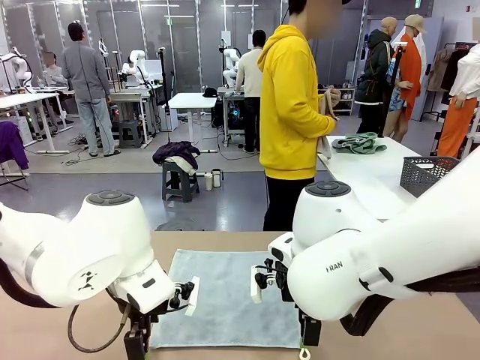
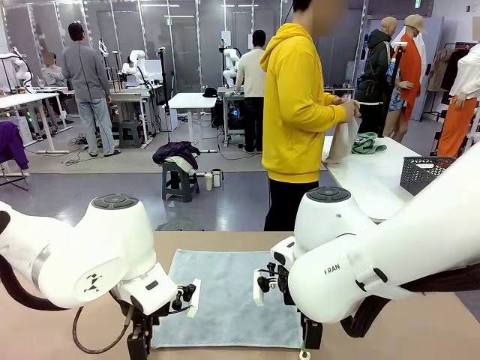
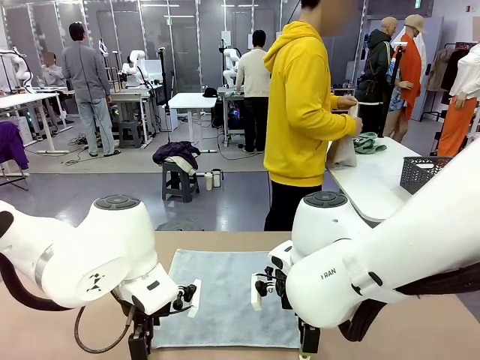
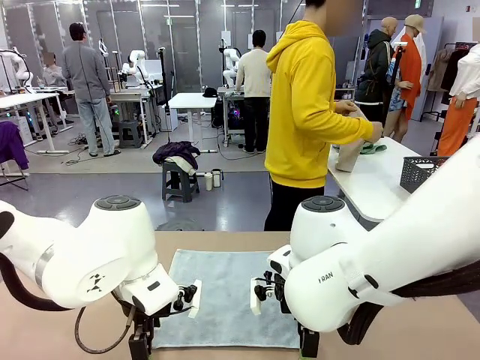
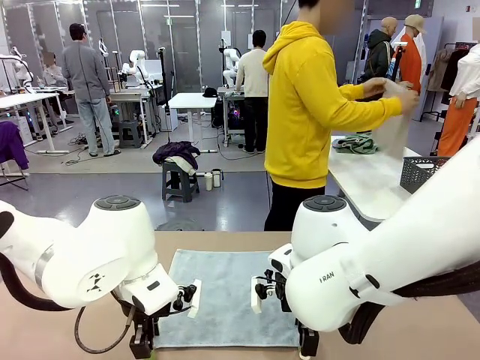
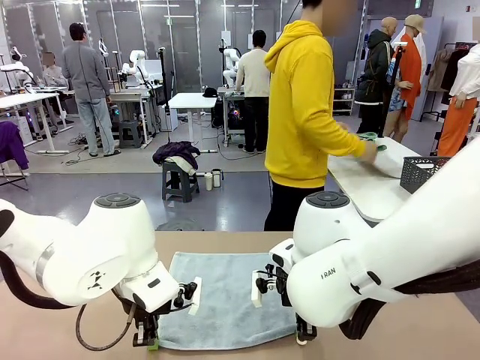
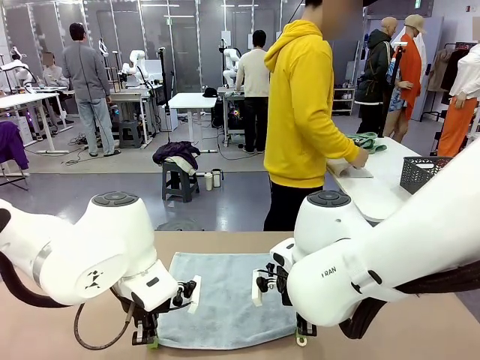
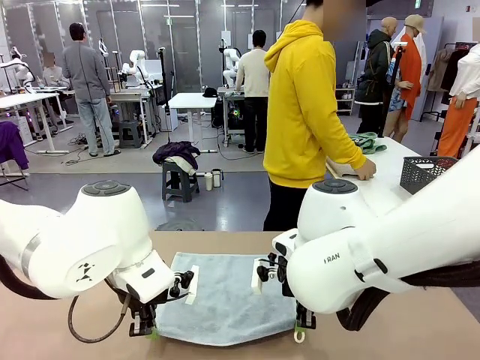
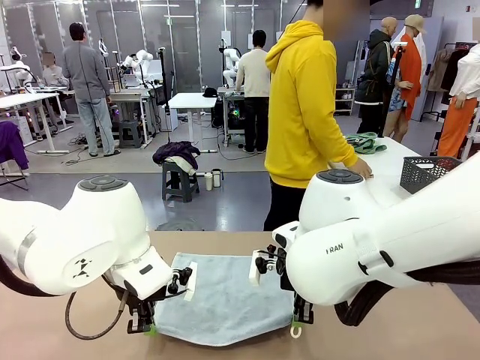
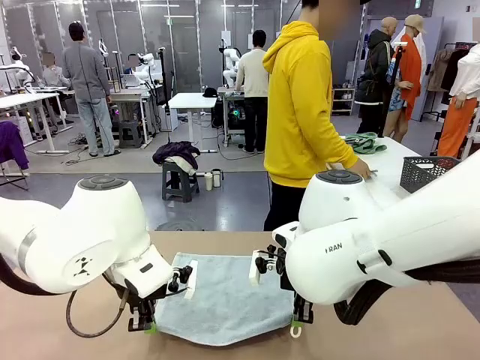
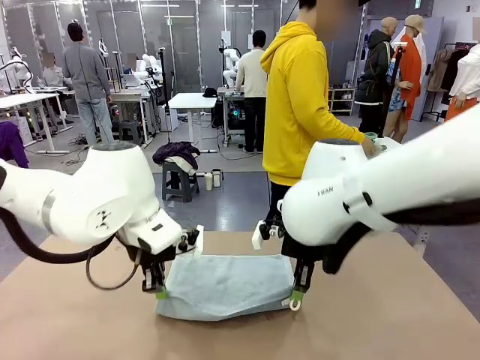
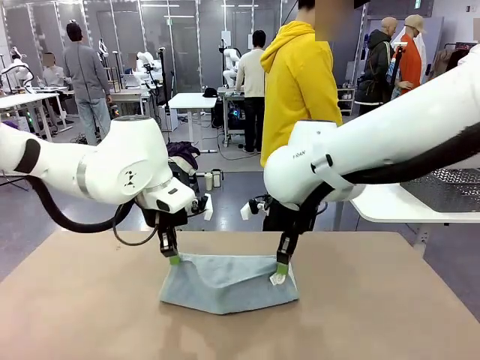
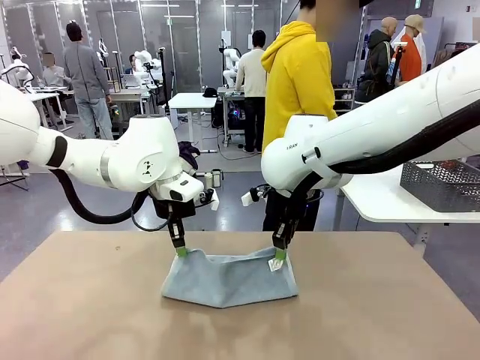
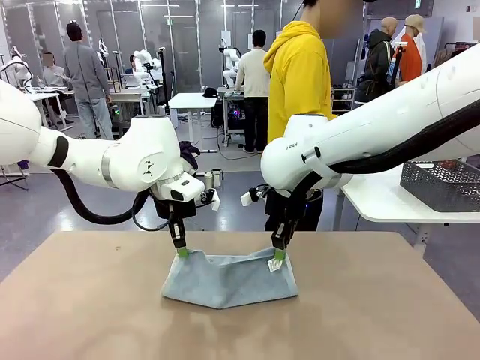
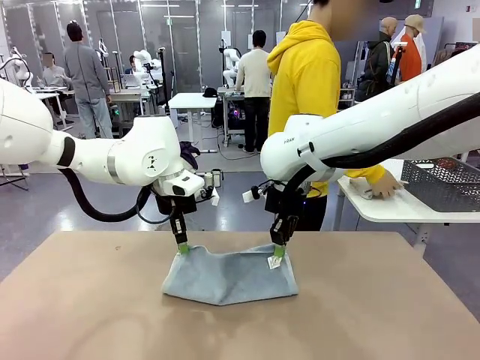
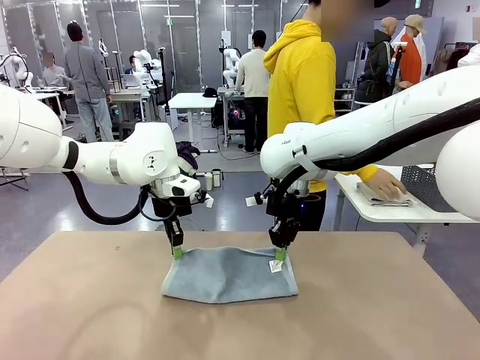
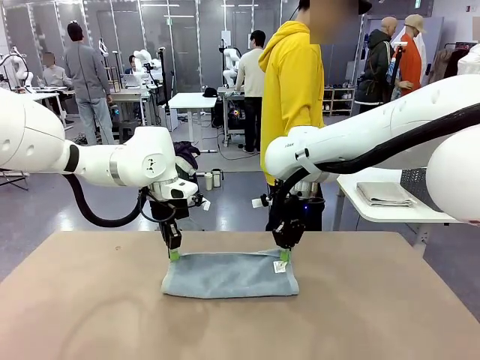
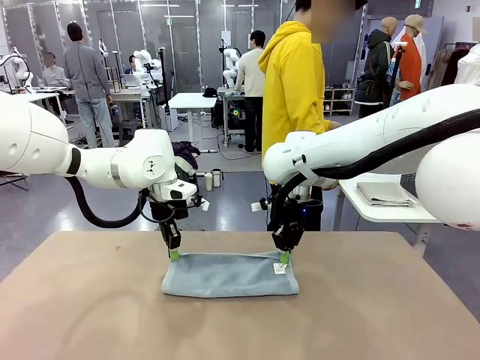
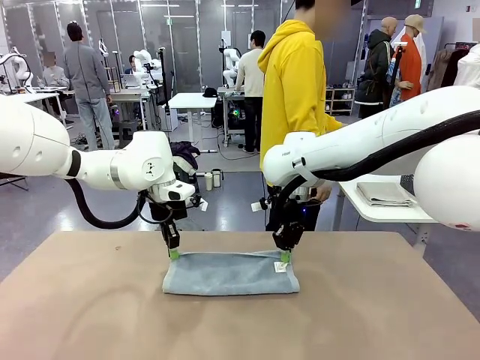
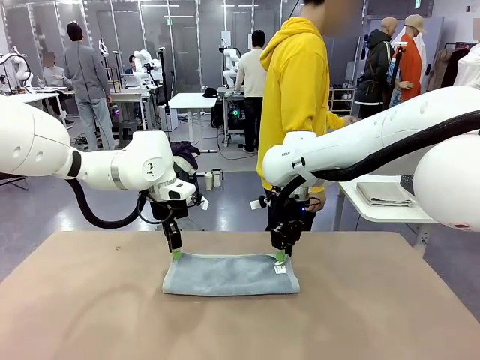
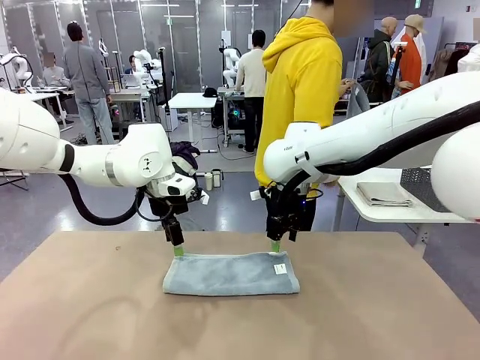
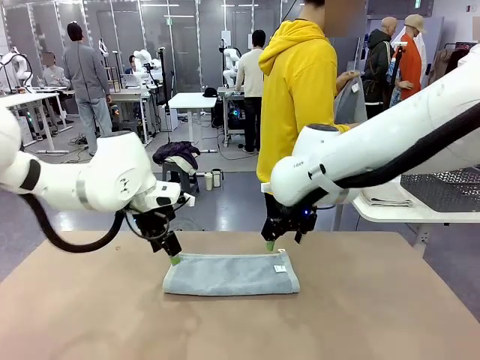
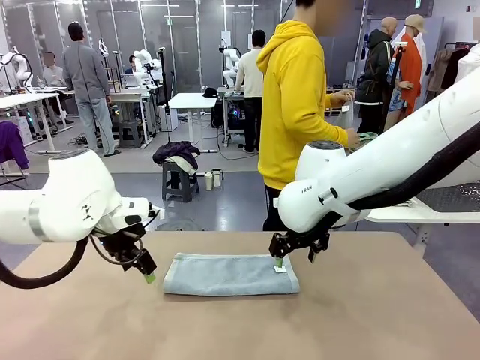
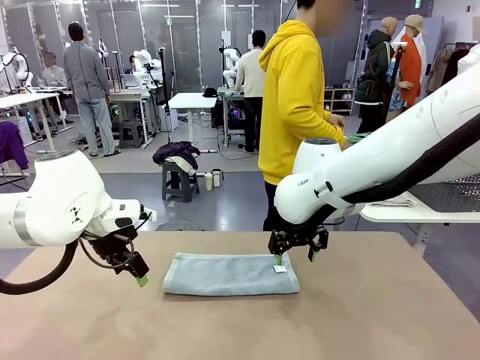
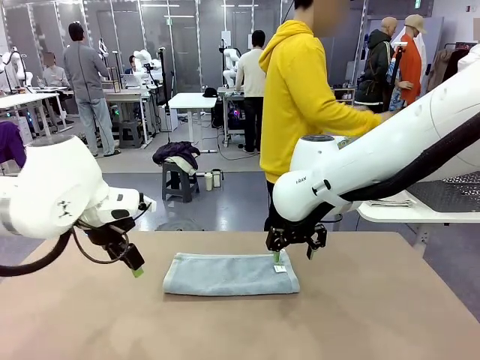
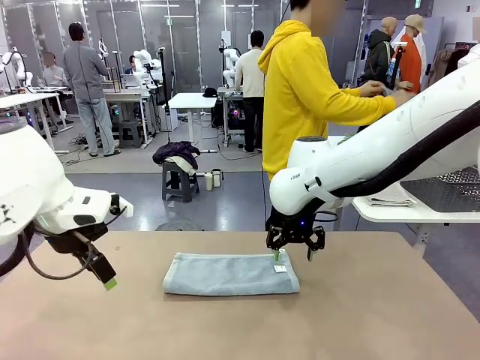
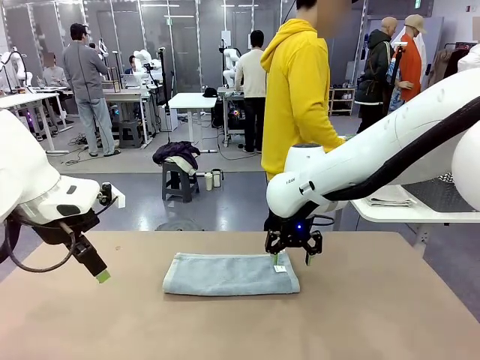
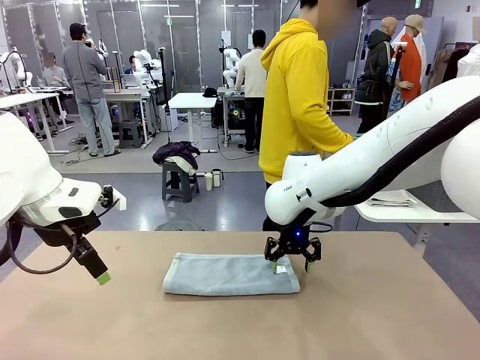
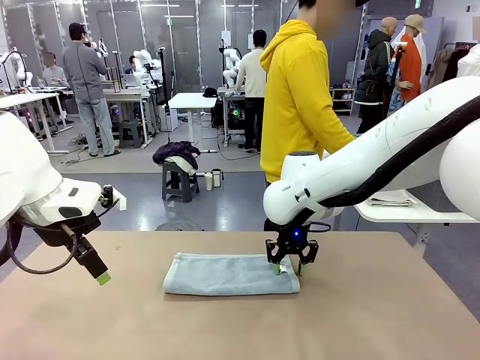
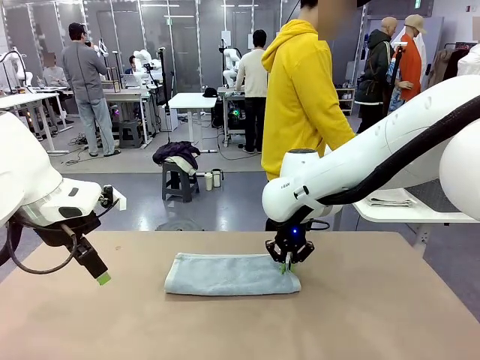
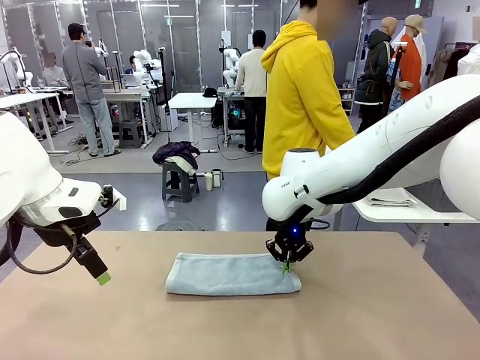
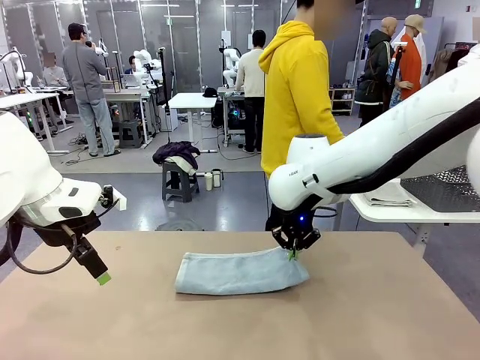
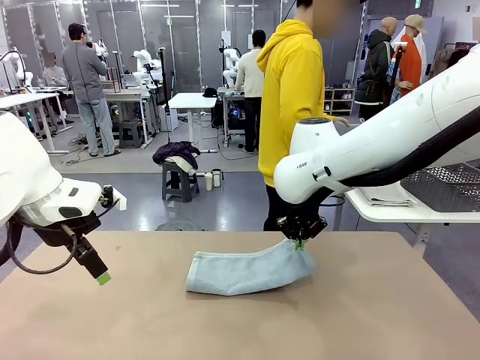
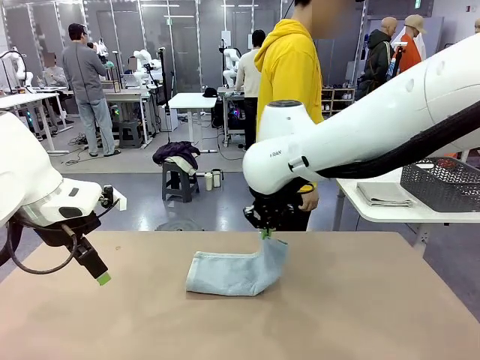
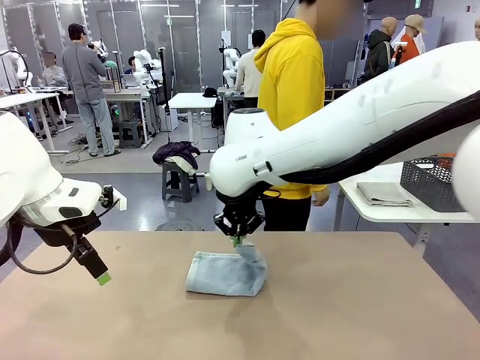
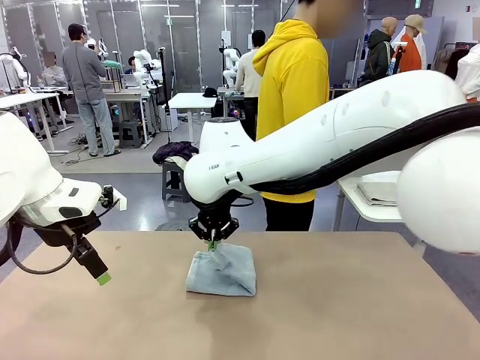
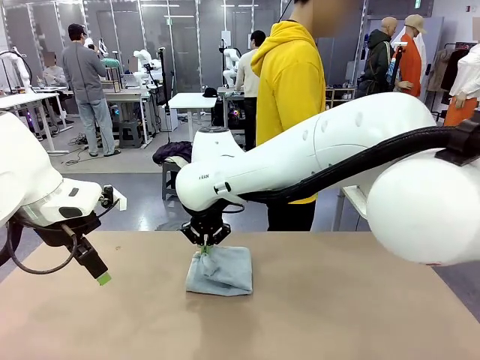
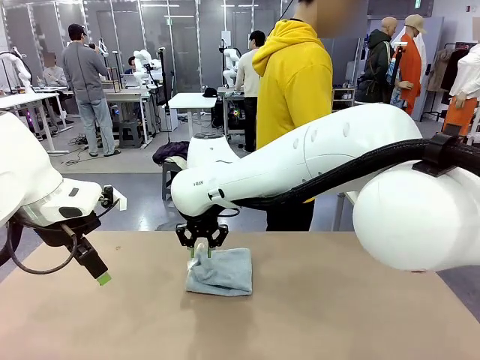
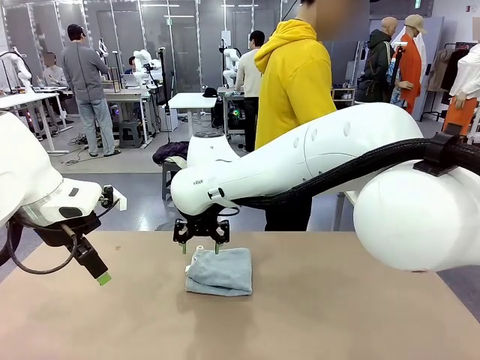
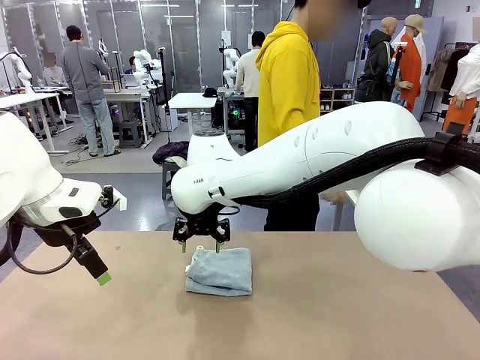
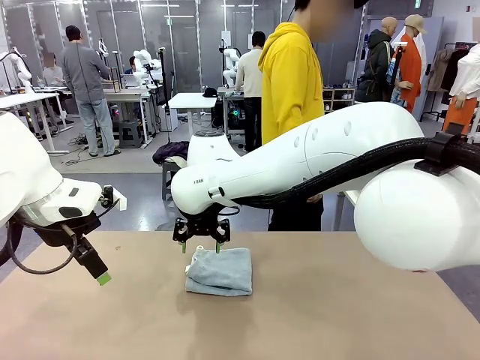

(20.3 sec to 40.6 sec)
Task: Fold the towels and place them in the basket.
Robot: When a person lays out a Towel with hook on the table, fold it in half twice.
Person: Pick up one towel from the left side of the human table, fold it in half twice, and place it on the right side of the table. Pick up one towel from the left side of the human table, fold it in half twice, and stack it on the right side of the table.

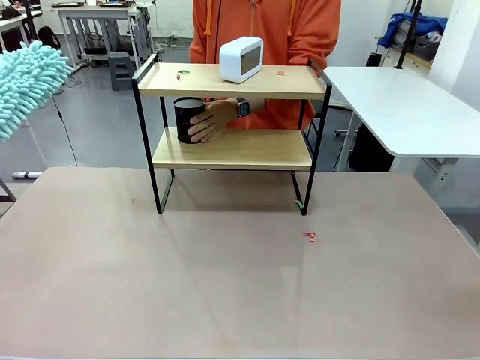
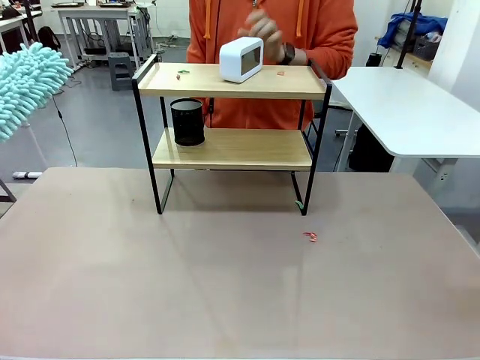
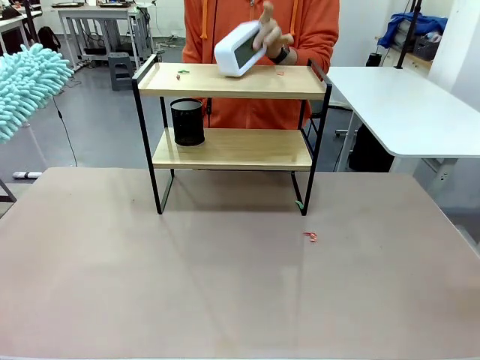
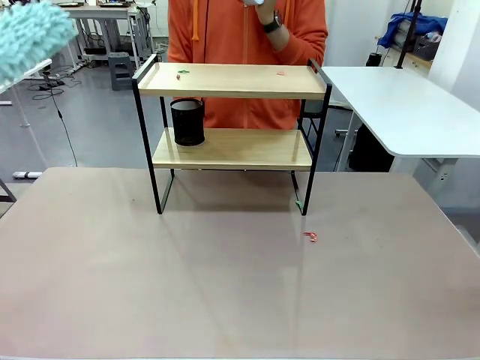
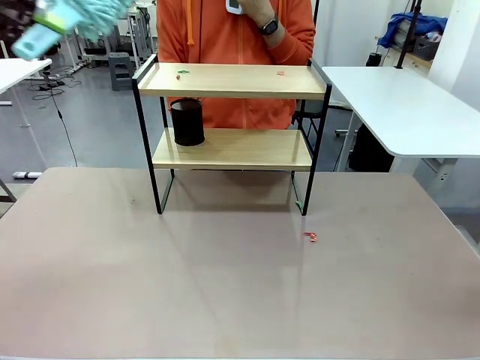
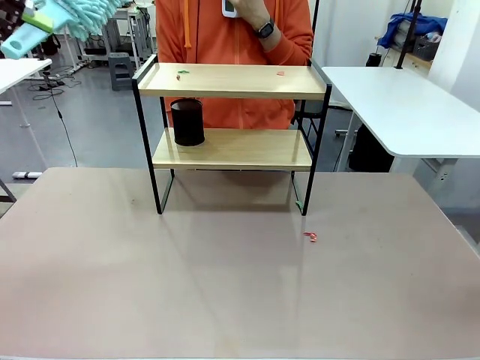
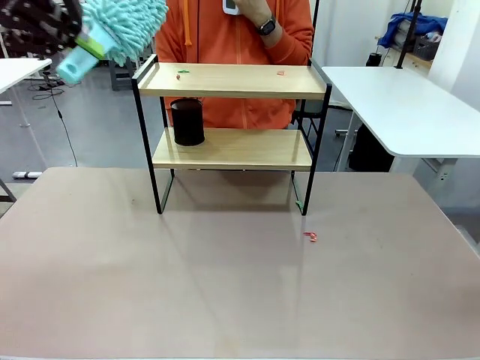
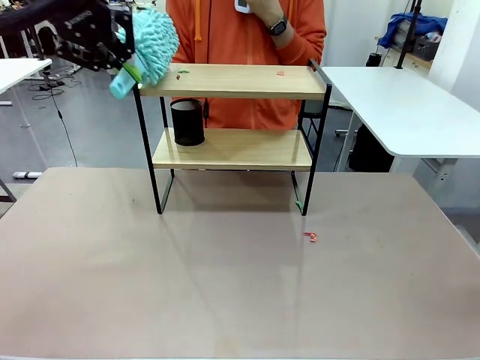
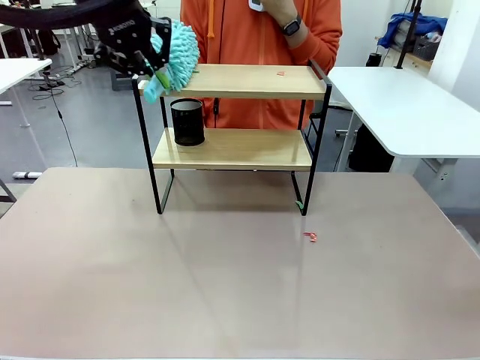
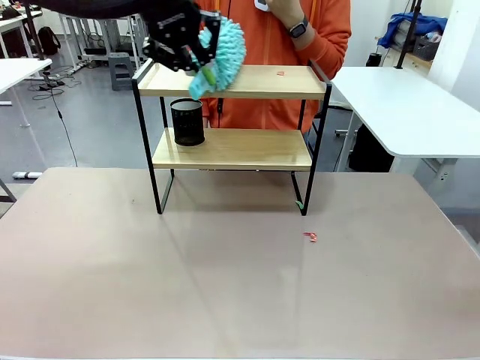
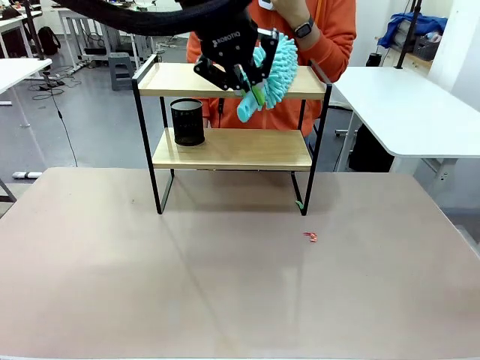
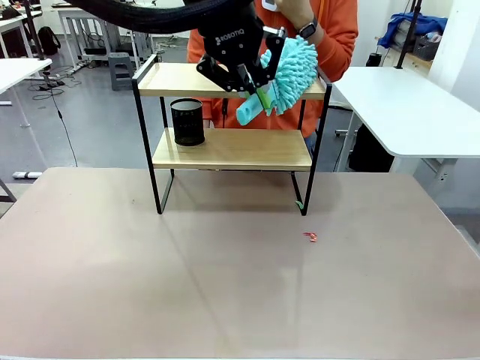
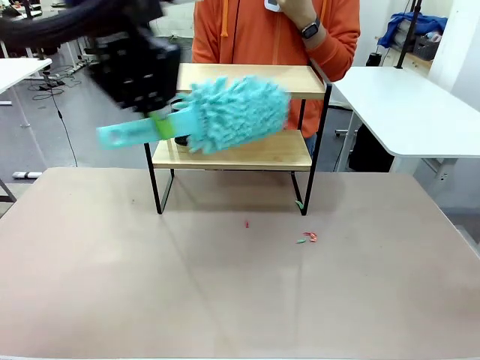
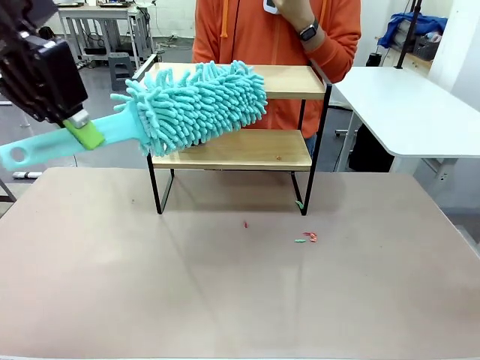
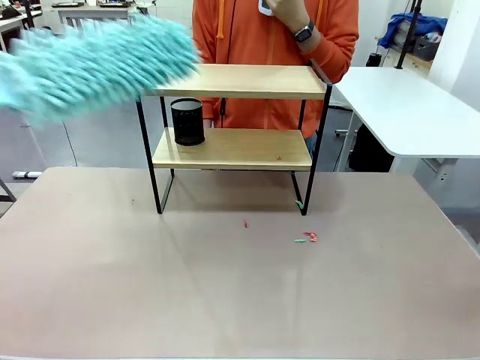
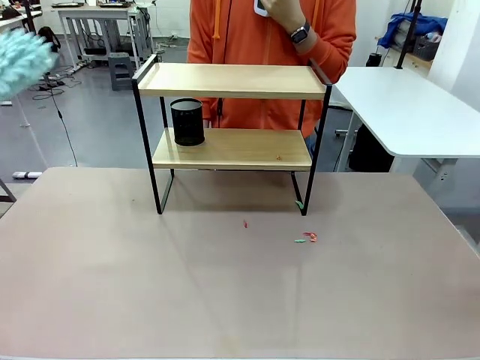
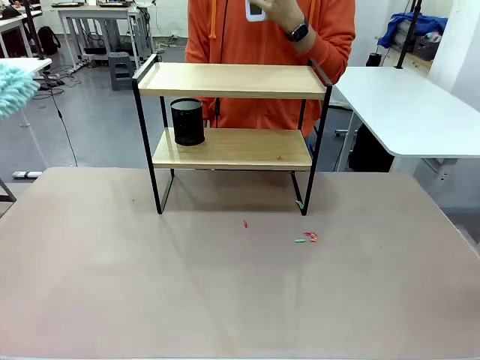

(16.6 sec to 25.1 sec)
Task: Clean the shelf.
Robot: Clean the remaining tier of the Shelf with the Duster once objects are removed.
